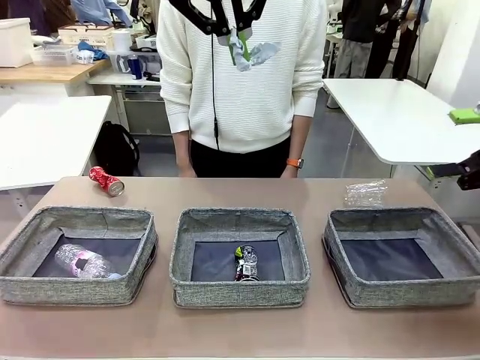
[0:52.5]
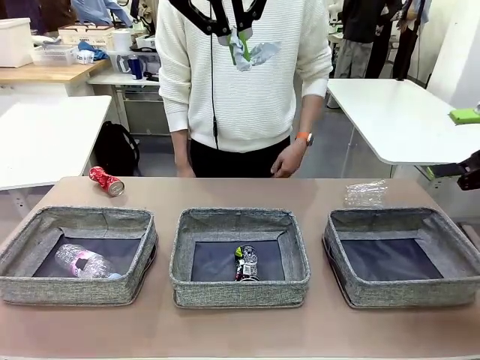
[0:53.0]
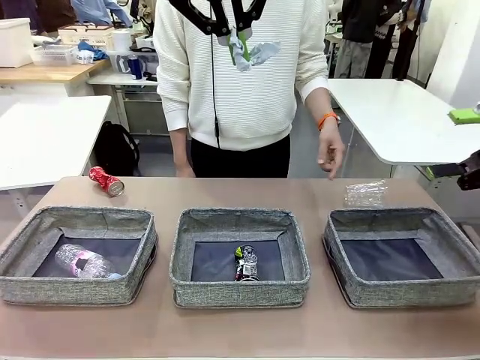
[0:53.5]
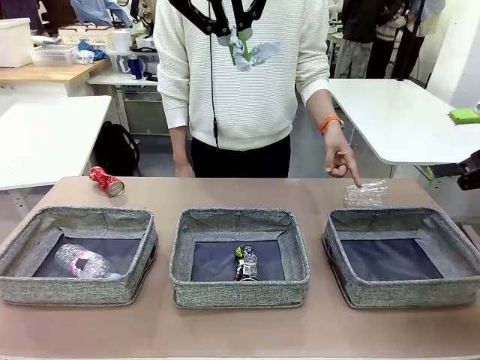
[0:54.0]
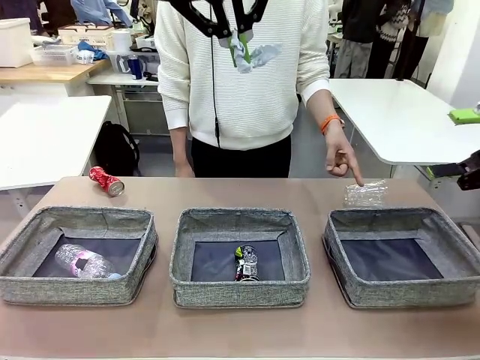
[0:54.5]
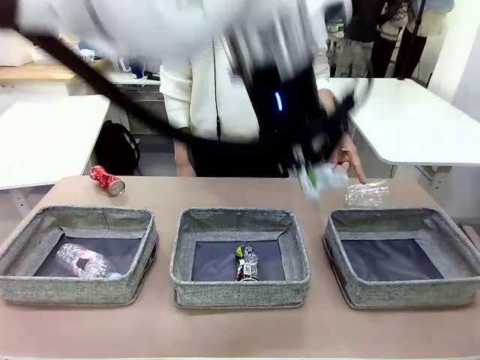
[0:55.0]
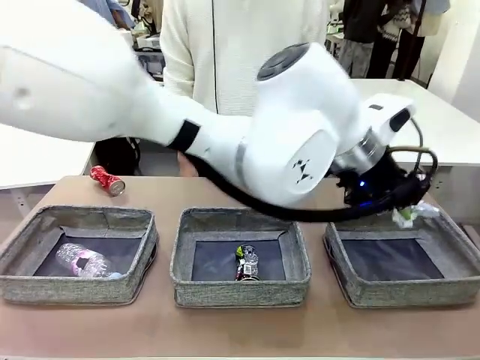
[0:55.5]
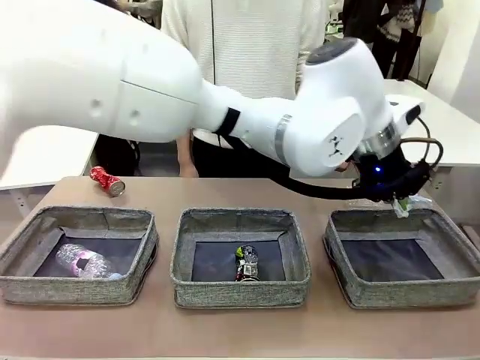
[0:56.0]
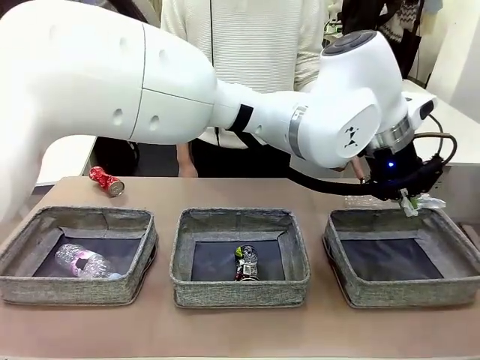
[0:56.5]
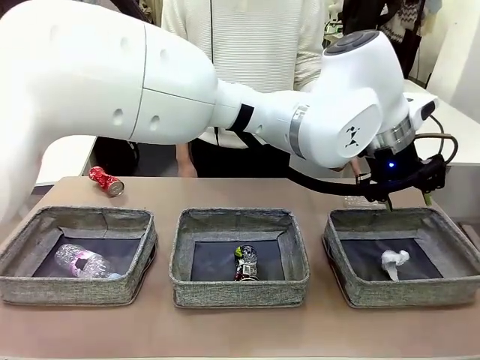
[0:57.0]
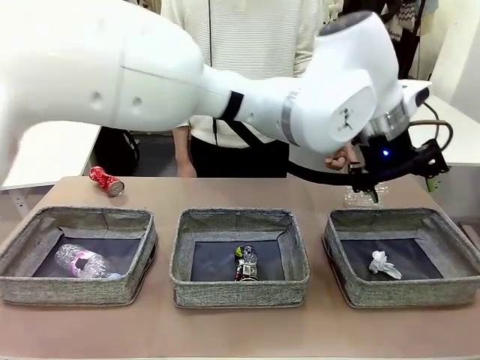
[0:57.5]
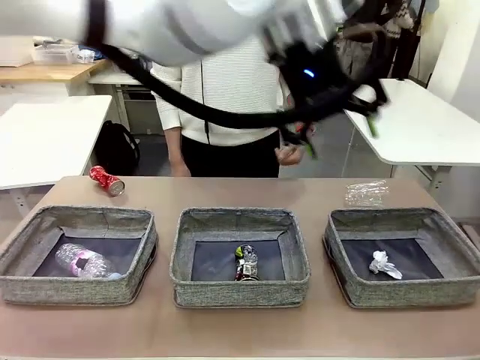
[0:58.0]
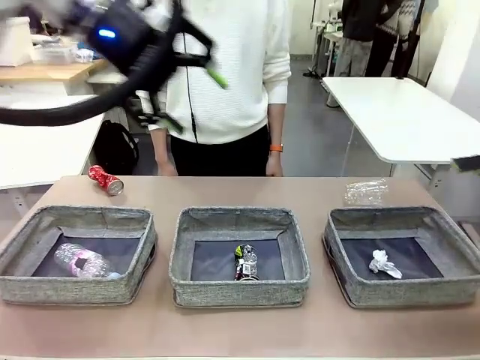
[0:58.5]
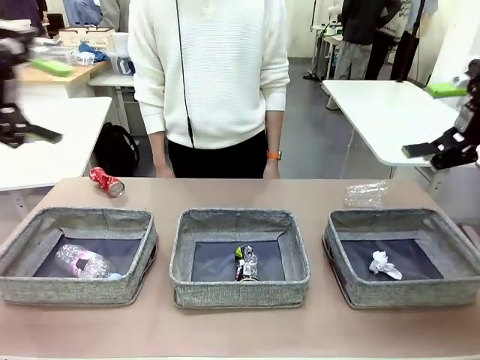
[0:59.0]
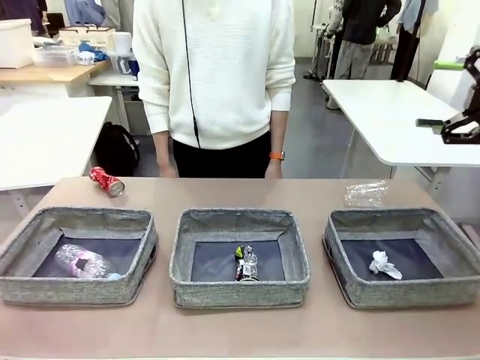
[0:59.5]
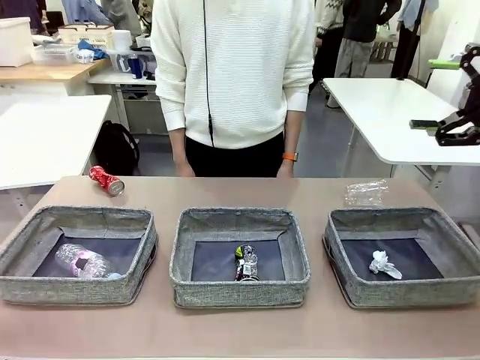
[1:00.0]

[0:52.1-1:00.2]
Task: Sort the waste into the appropriate baskets.
Robot: Place the picked waste into the Fabric basket indicated by the person.
Person: Instructs the robot to place the picked-up trash into the appropriate organizing basket.

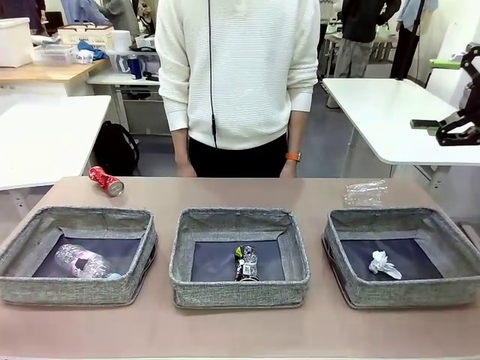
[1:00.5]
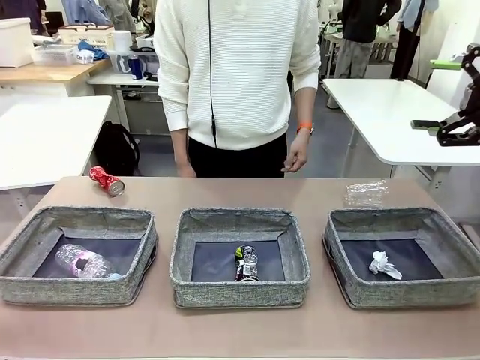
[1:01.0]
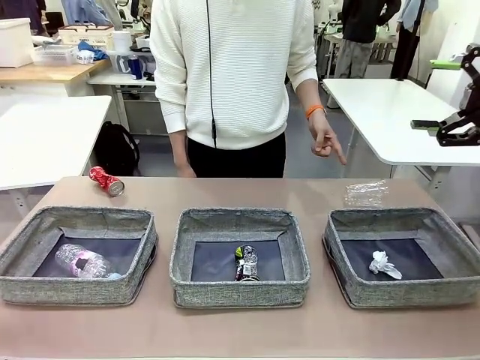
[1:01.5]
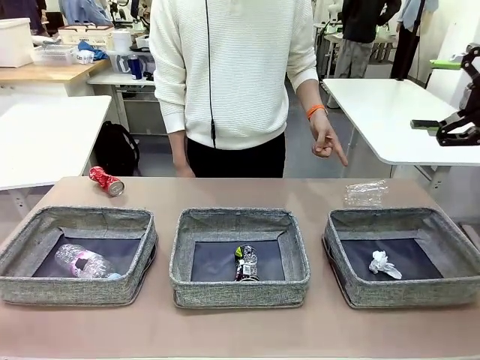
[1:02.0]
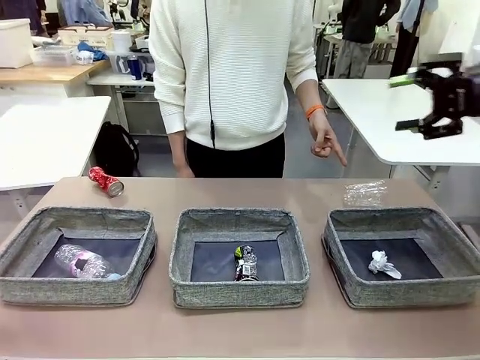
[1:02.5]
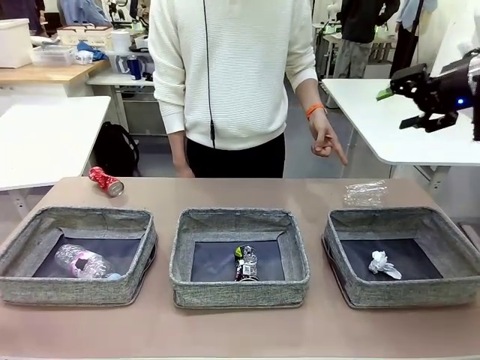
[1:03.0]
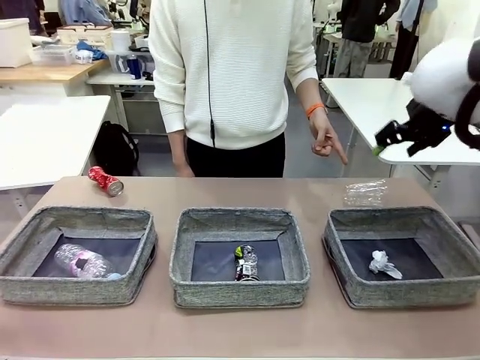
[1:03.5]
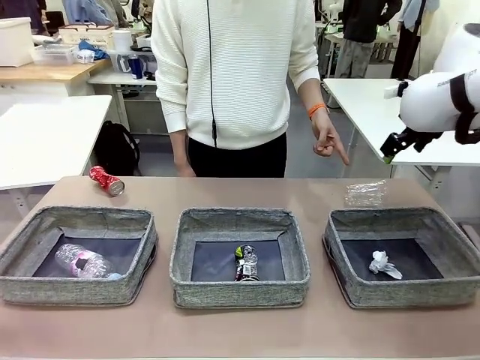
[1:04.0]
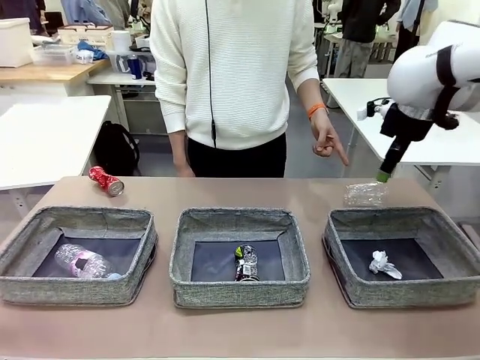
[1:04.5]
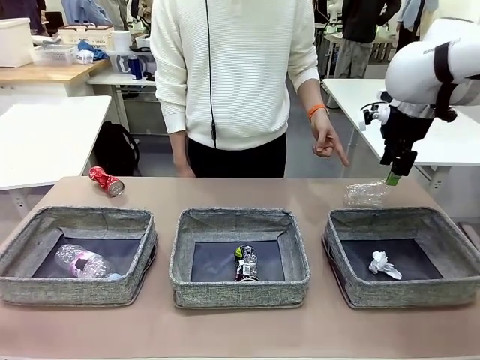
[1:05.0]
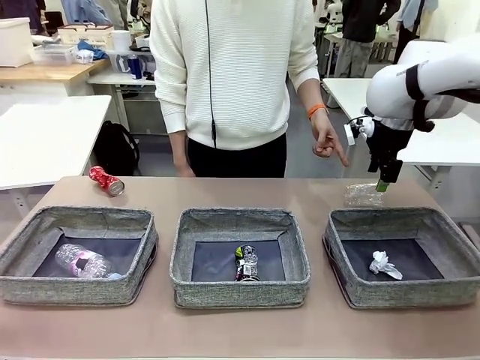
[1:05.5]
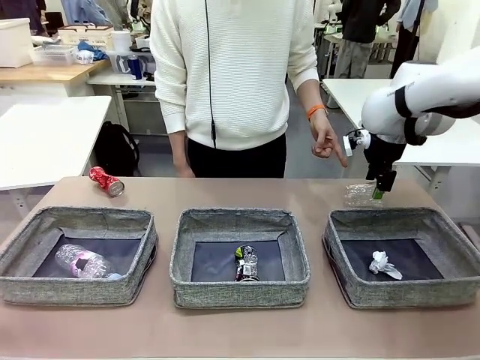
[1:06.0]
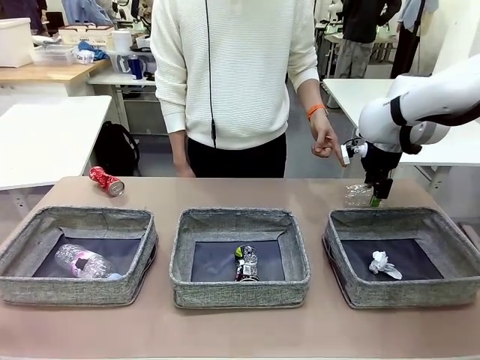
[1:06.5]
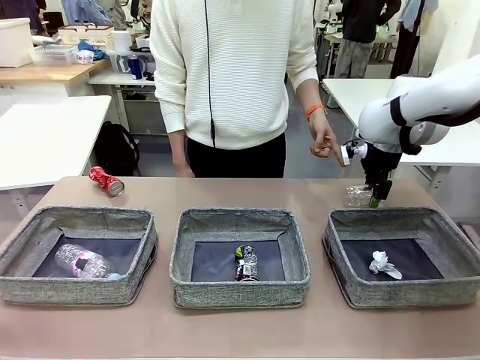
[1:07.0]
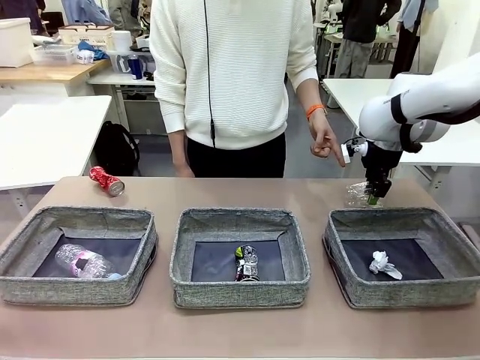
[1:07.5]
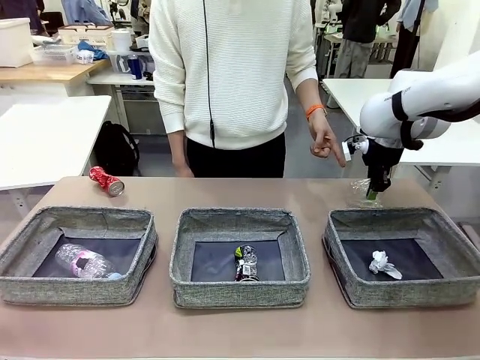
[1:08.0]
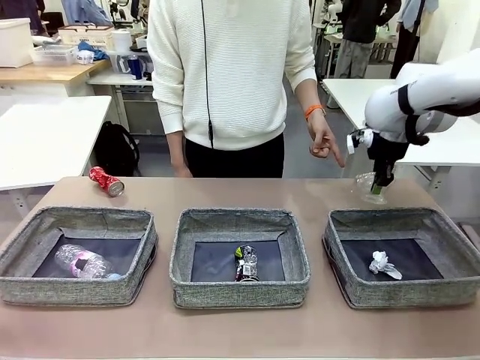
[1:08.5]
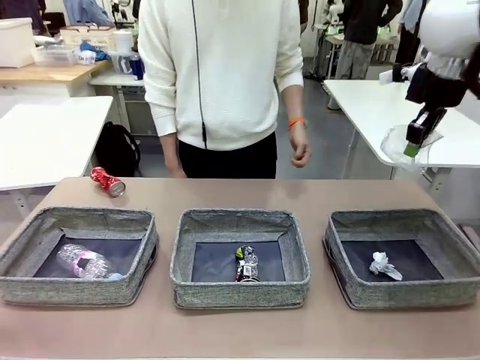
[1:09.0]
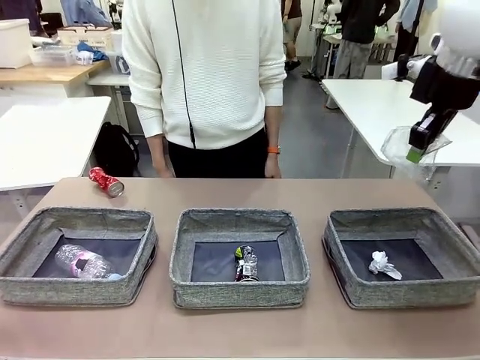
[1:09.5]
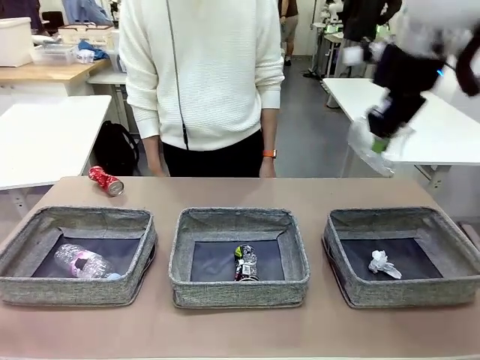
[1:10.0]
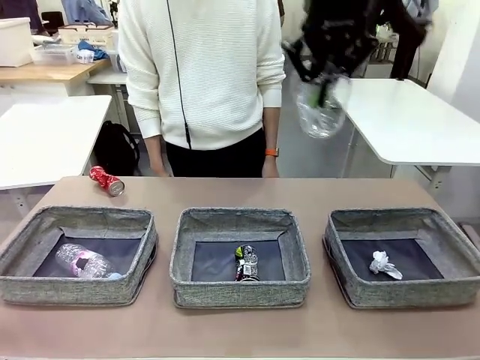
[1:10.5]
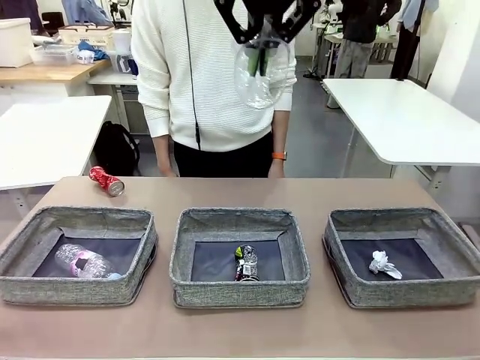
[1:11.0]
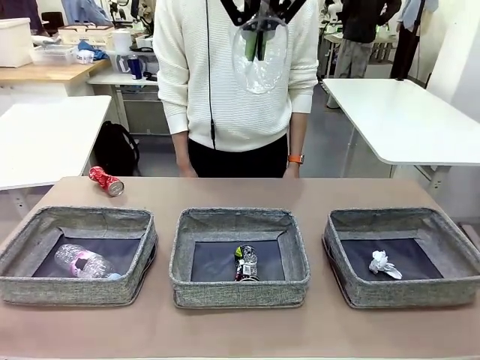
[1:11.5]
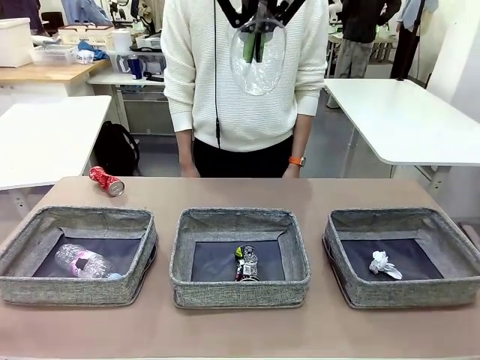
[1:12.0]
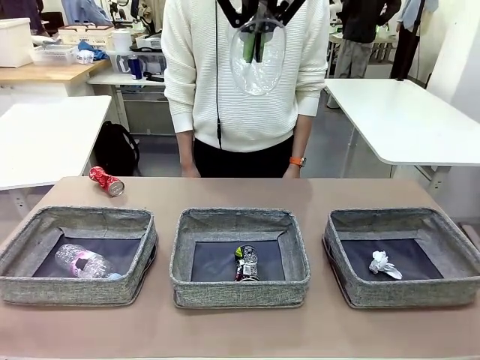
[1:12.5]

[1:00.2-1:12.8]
Robot: Pick up the waste item pointed out by the person.
Person: Points to one piece of trash on the table.

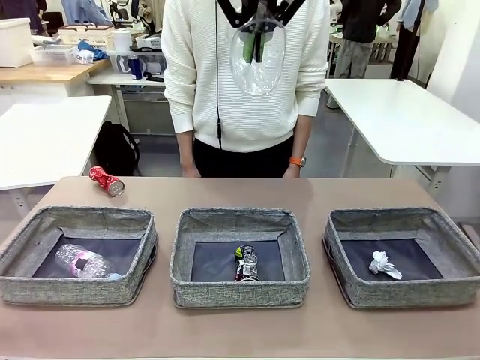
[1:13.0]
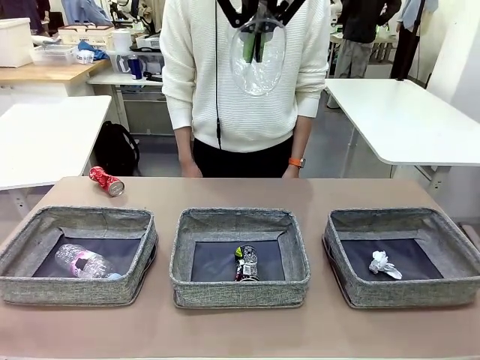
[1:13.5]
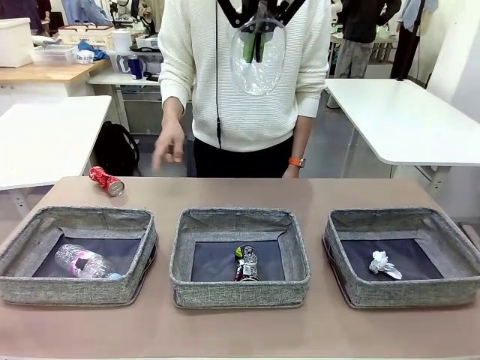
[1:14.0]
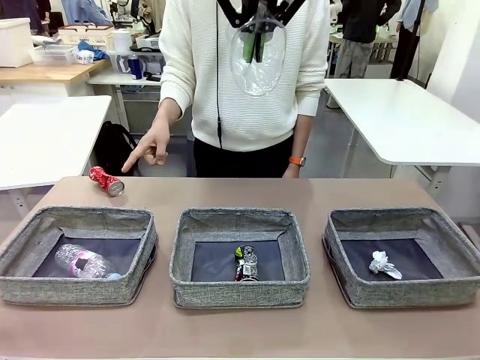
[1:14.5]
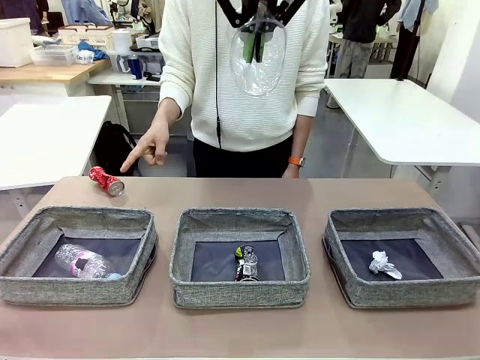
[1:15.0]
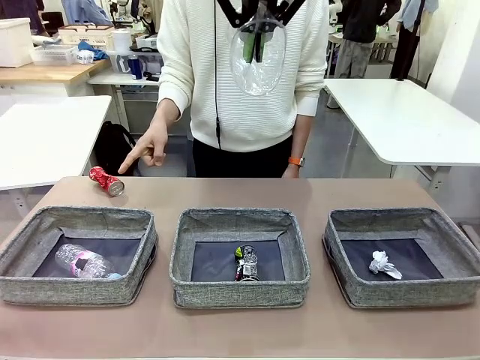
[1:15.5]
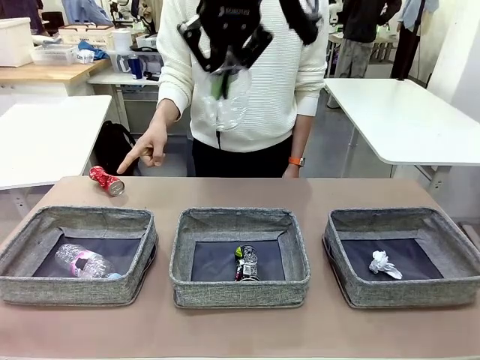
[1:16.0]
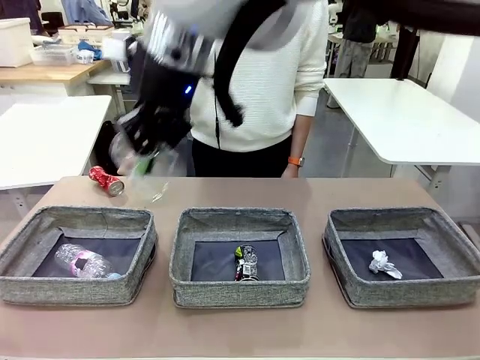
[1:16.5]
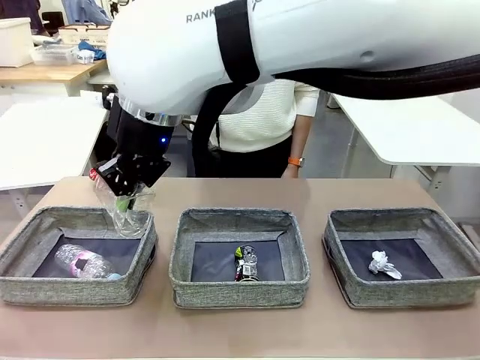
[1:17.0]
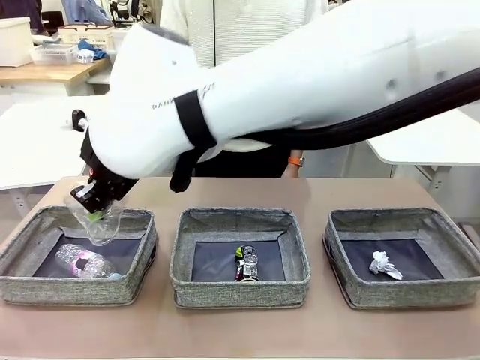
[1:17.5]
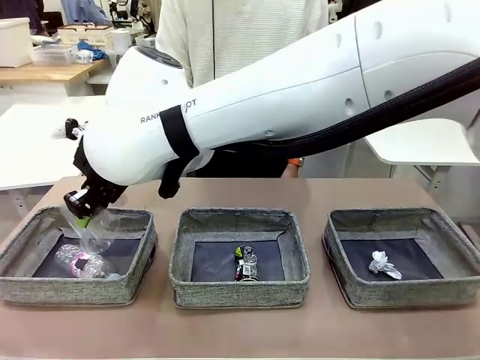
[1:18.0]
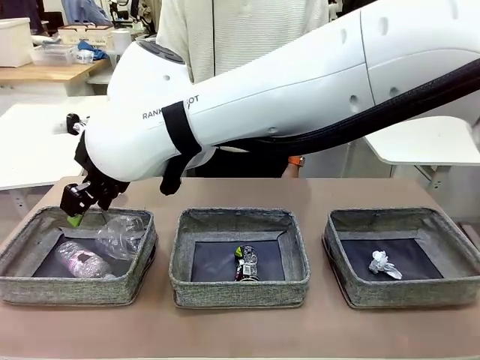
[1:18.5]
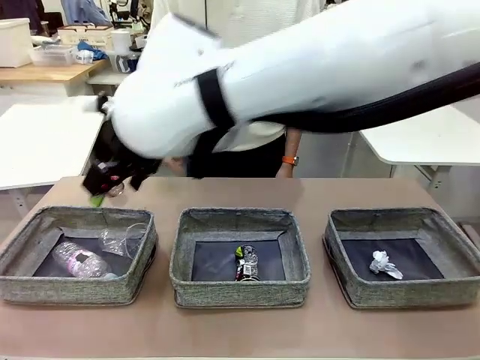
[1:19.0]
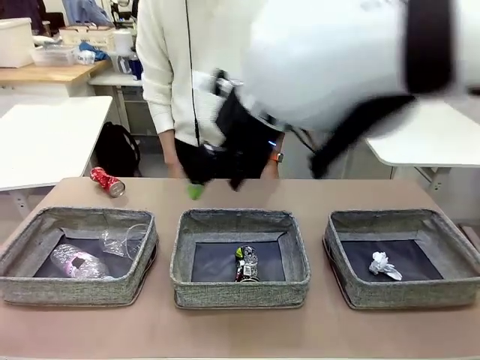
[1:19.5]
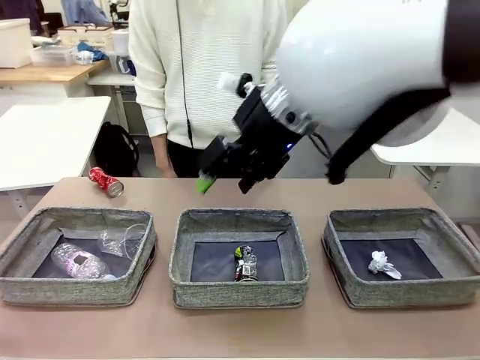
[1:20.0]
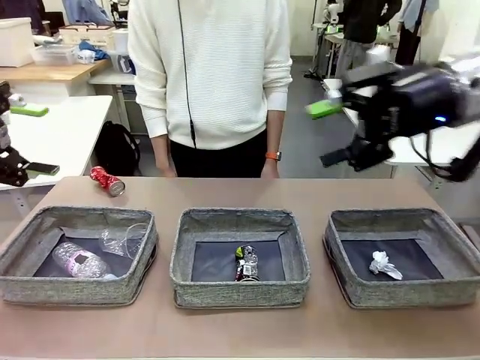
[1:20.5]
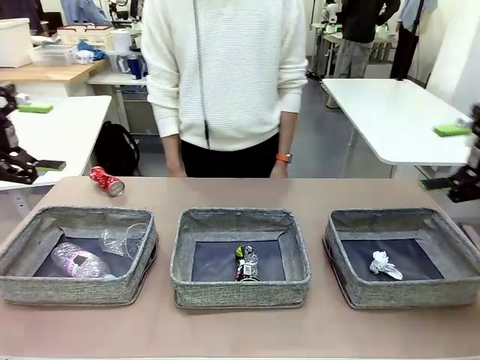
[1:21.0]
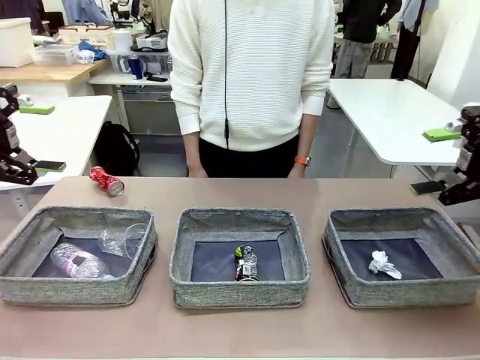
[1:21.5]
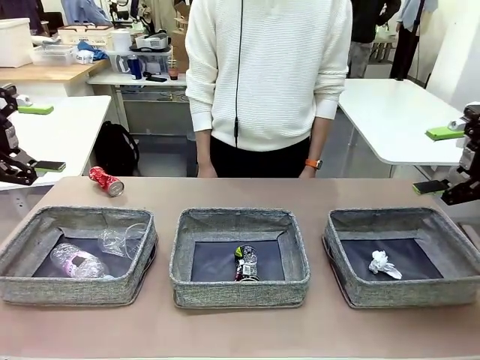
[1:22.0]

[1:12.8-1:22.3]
Robot: Place the picked waste into the Fabric basket indicated by the person.
Person: Instructs the robot to place the picked-up trash into the appropriate organizing basket.
